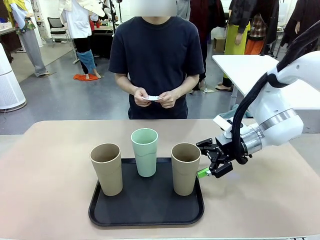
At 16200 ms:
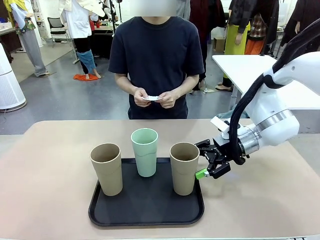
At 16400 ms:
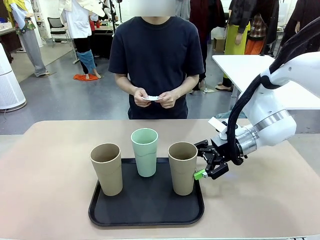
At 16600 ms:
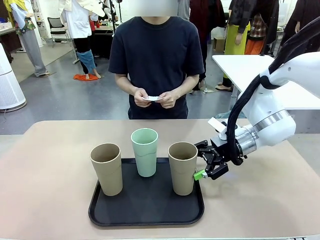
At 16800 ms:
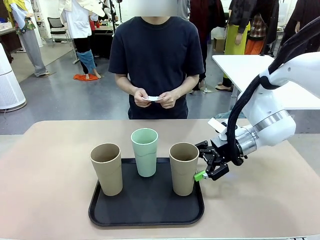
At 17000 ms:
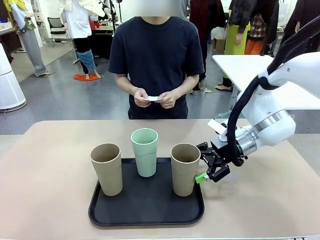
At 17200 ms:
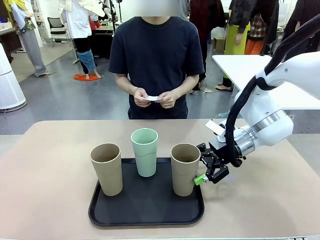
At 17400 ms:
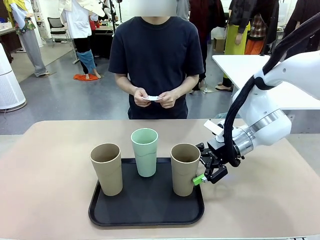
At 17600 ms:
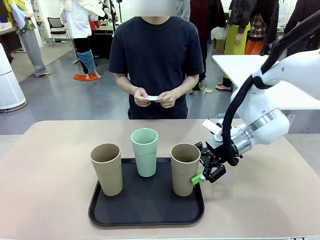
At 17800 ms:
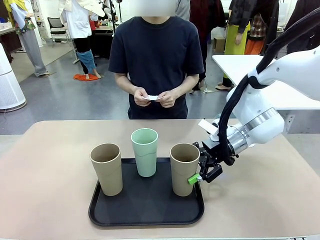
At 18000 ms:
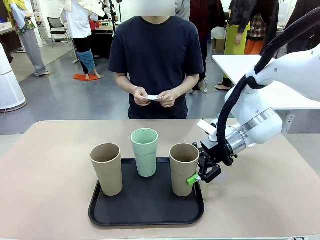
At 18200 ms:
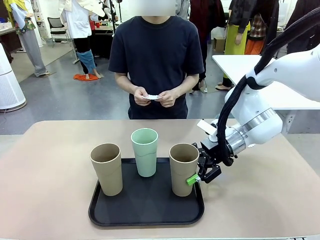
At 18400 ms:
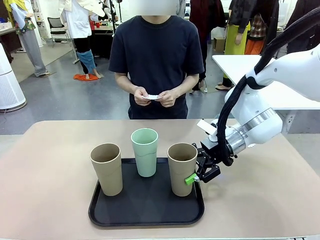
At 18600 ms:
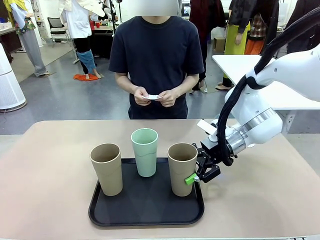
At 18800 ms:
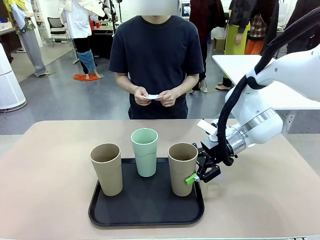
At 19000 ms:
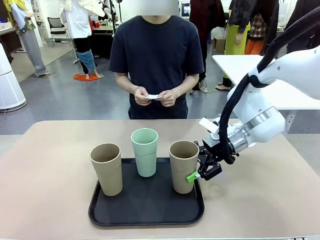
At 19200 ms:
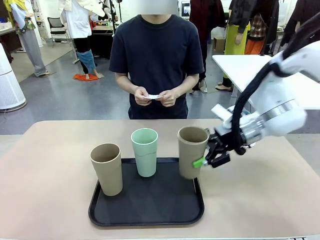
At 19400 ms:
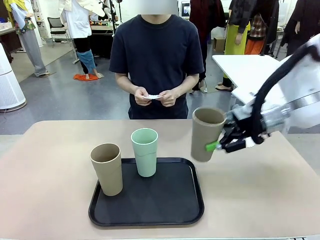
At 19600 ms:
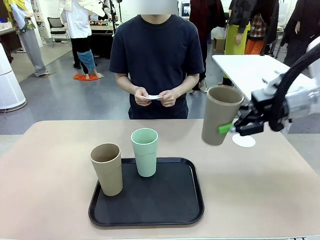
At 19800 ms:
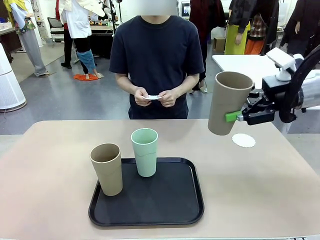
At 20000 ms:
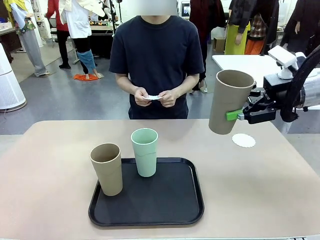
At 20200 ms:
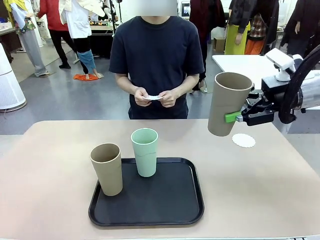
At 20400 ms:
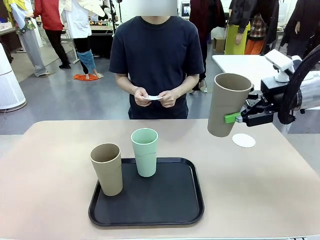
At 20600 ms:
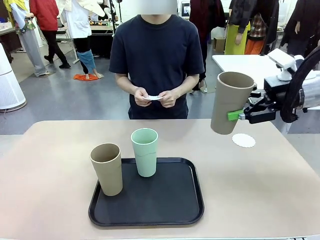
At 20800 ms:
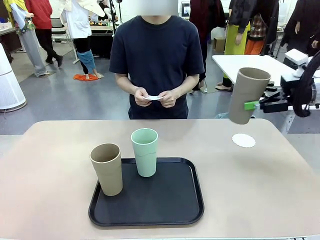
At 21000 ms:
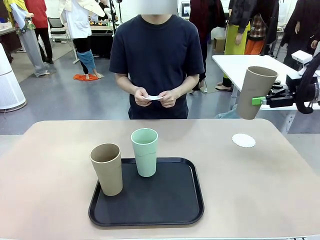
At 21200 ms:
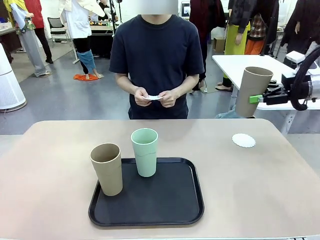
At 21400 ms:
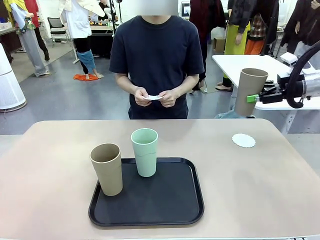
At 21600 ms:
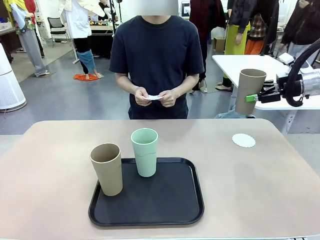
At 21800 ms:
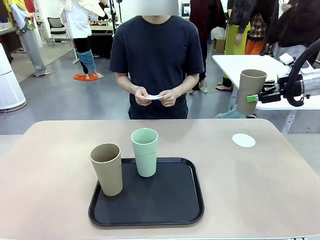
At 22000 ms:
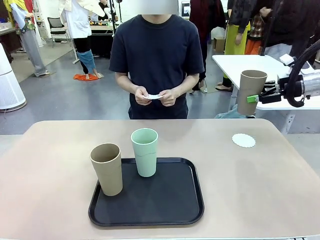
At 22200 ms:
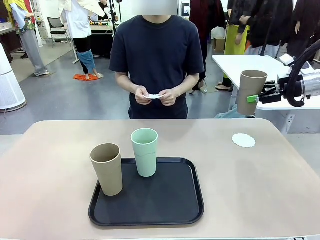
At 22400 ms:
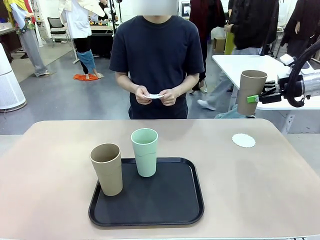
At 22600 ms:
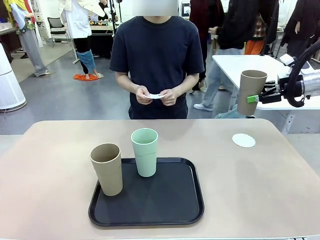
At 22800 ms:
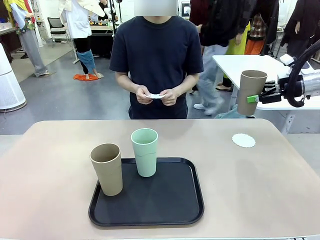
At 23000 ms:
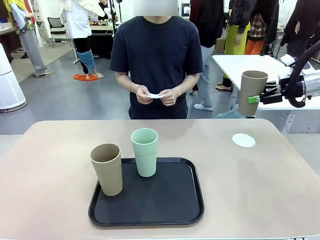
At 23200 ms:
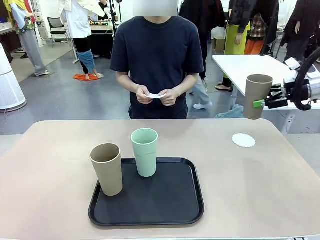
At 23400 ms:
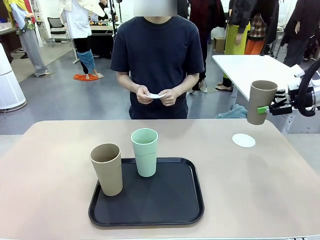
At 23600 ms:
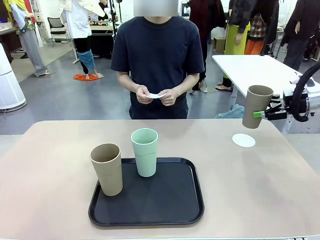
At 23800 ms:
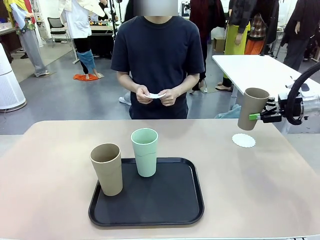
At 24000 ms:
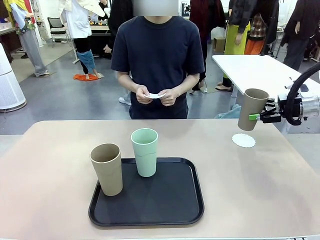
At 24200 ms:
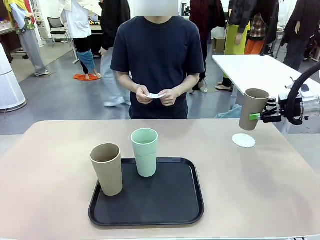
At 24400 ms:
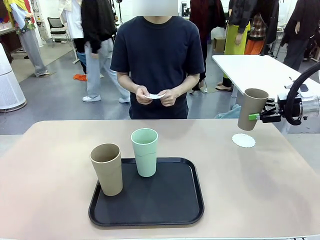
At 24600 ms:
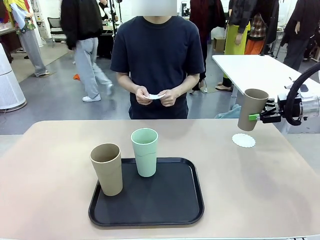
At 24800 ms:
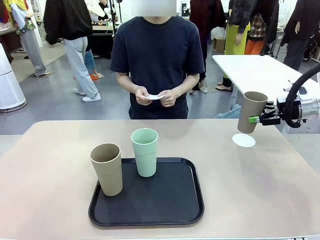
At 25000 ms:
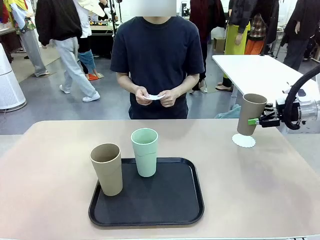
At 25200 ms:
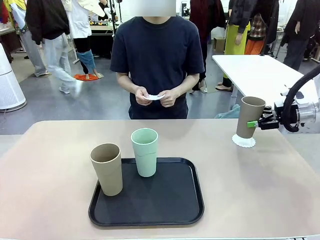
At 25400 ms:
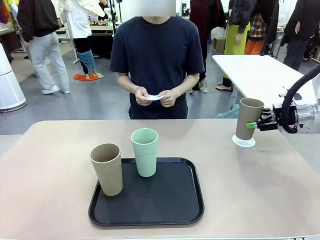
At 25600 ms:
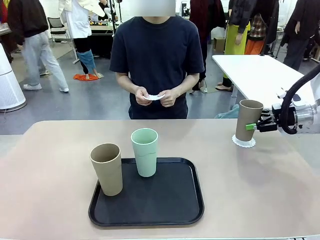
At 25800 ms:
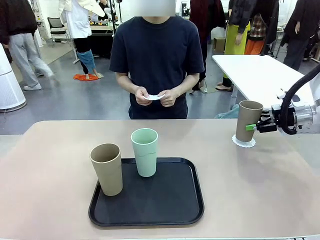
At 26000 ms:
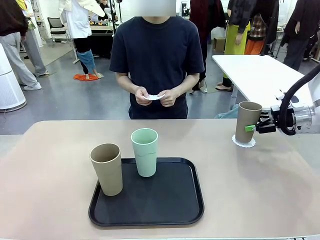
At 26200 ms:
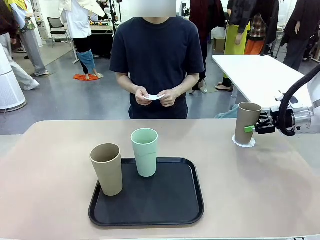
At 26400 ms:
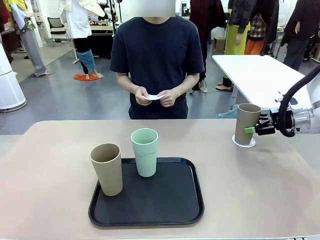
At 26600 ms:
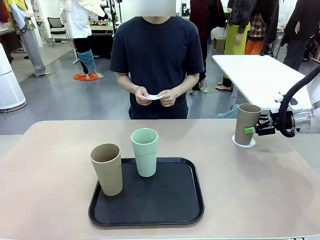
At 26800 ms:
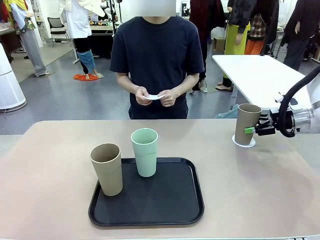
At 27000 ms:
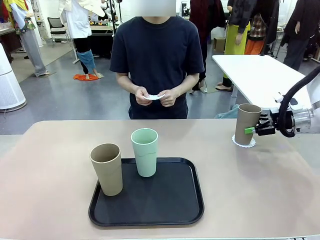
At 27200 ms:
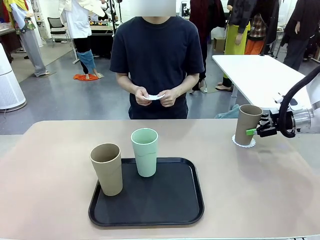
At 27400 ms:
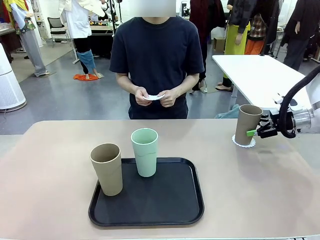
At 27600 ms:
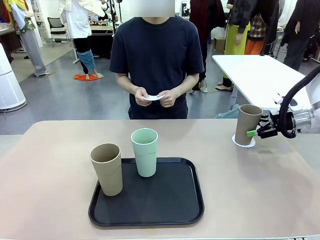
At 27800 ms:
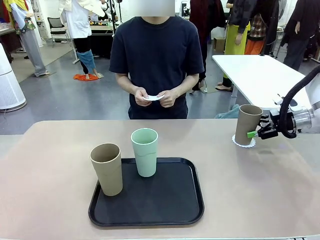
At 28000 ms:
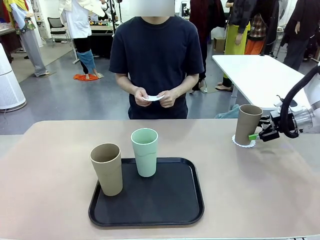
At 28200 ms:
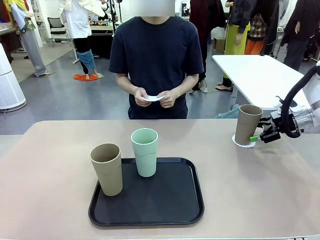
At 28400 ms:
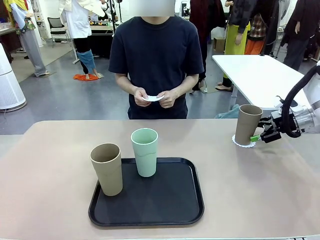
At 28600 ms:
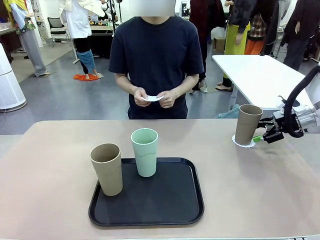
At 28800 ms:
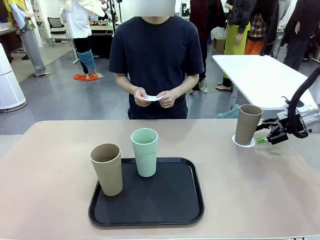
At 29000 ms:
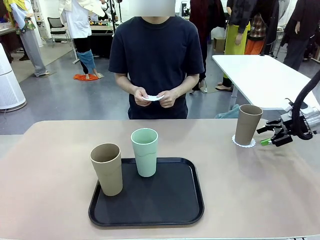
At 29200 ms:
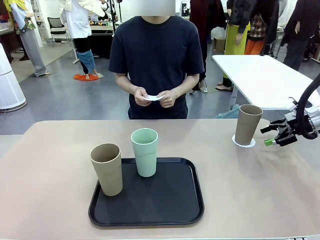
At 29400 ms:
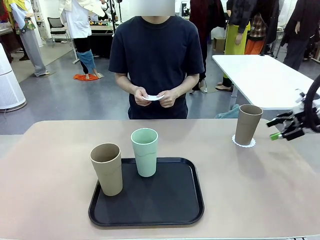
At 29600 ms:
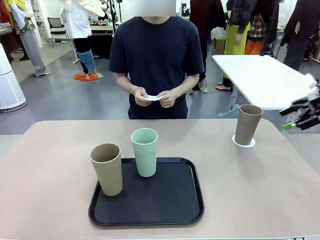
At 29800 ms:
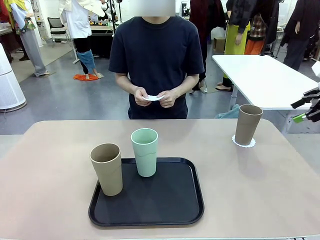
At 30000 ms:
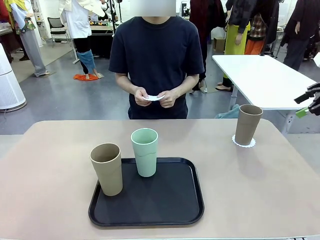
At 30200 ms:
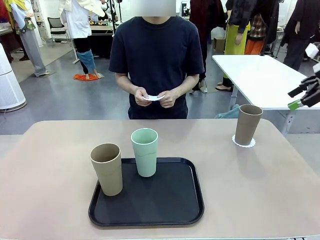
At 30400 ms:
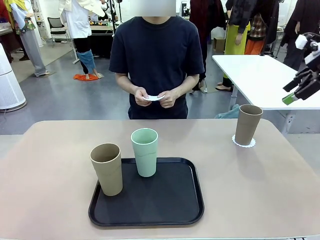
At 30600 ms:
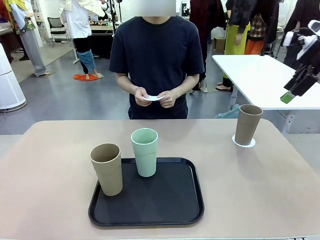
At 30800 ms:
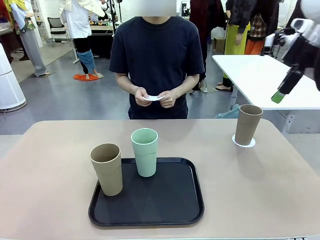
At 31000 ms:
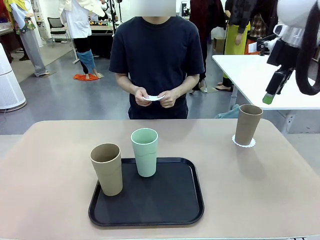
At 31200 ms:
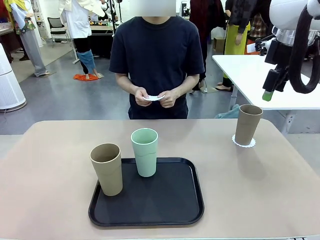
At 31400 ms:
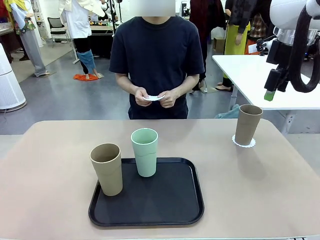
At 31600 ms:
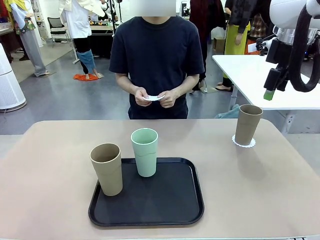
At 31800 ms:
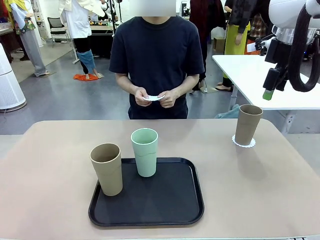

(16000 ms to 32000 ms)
Task: Place coasters on the table and set cups on them.
Robot: Pick up one Reusable plastic cup and place it on a coaster set by the human.
Person: Place one coaster in one of the two areas excluding the previously selected area.
